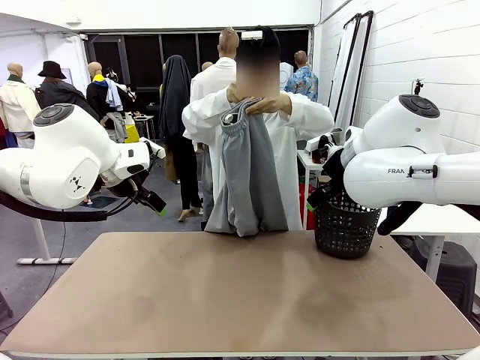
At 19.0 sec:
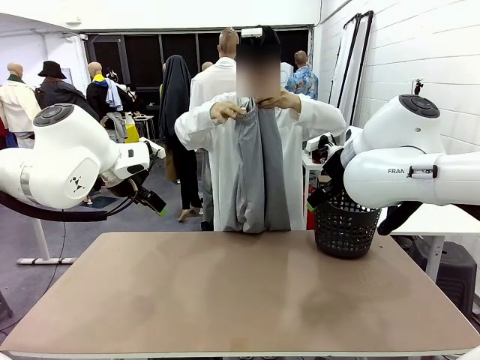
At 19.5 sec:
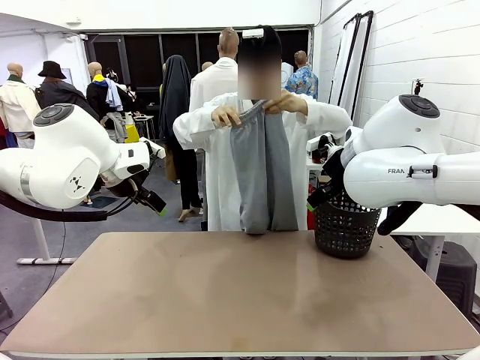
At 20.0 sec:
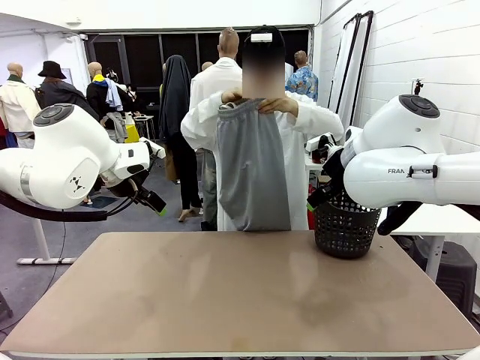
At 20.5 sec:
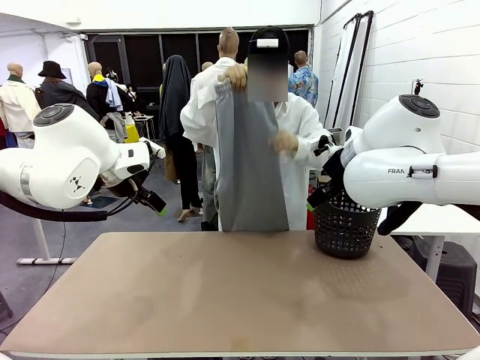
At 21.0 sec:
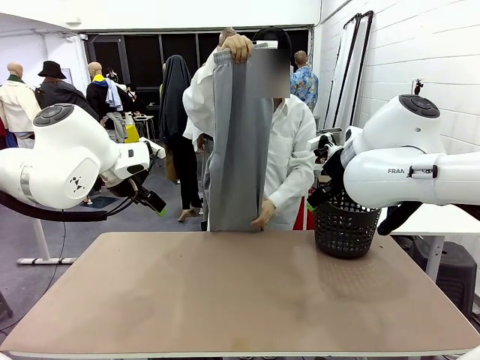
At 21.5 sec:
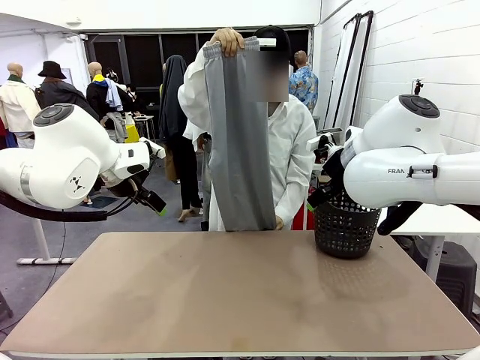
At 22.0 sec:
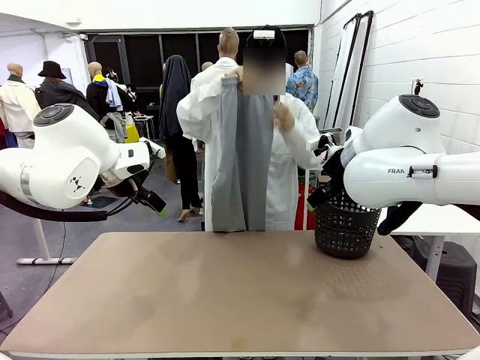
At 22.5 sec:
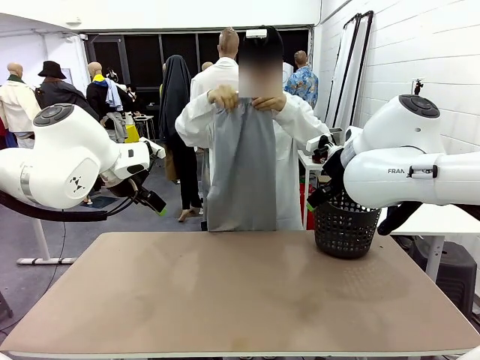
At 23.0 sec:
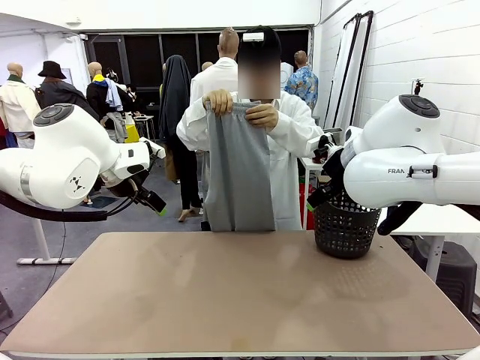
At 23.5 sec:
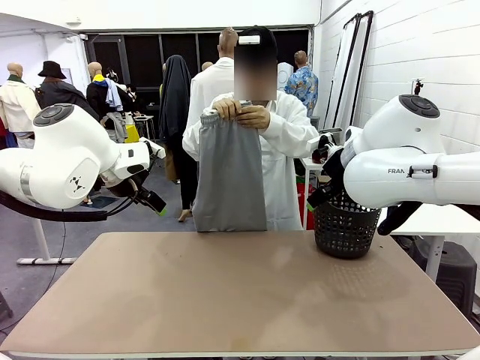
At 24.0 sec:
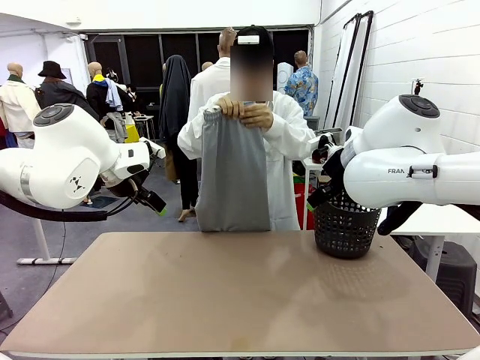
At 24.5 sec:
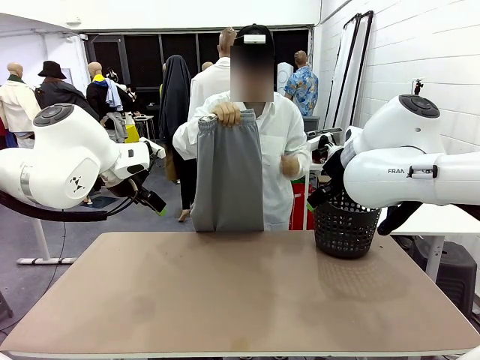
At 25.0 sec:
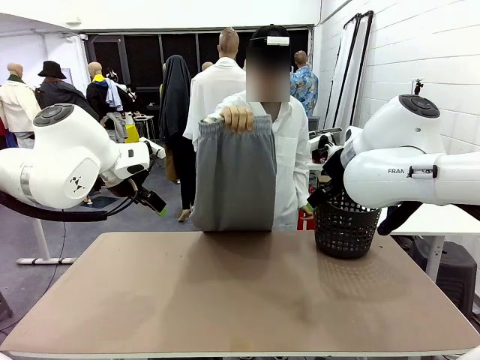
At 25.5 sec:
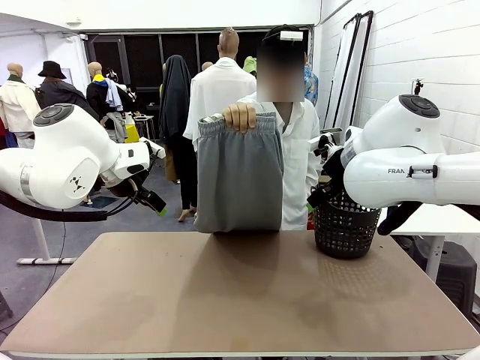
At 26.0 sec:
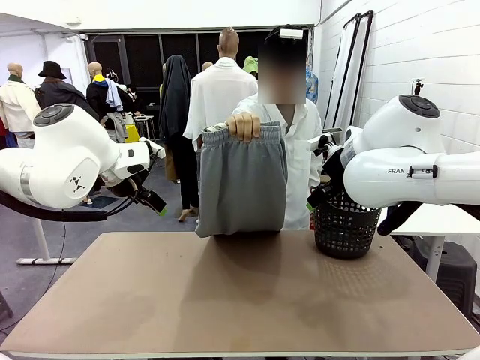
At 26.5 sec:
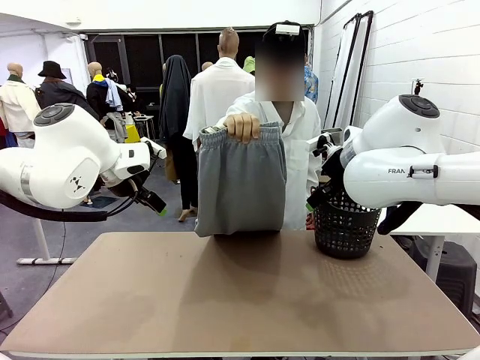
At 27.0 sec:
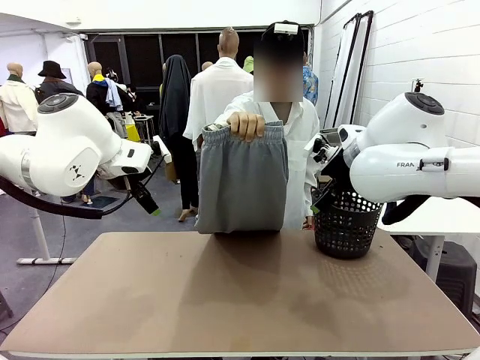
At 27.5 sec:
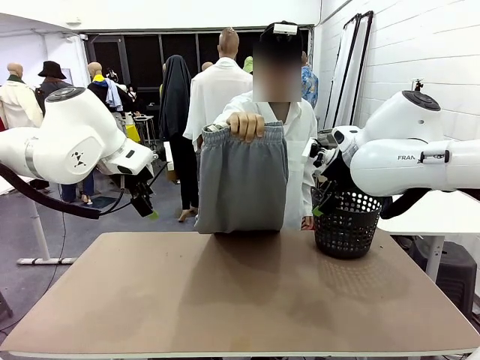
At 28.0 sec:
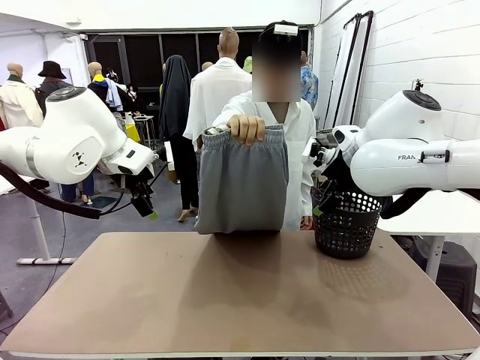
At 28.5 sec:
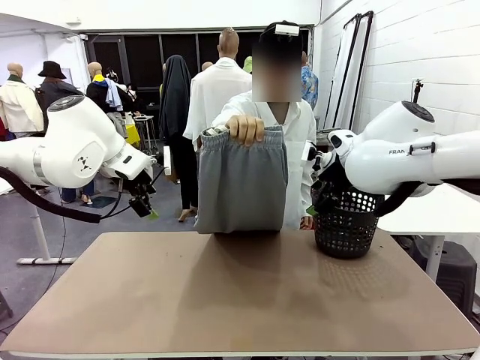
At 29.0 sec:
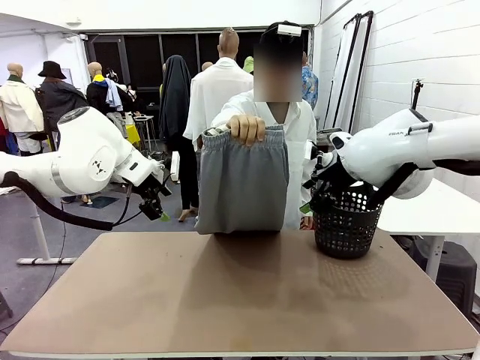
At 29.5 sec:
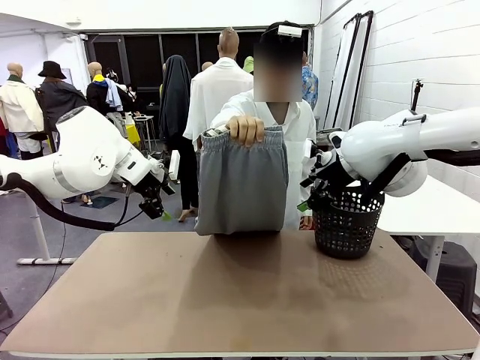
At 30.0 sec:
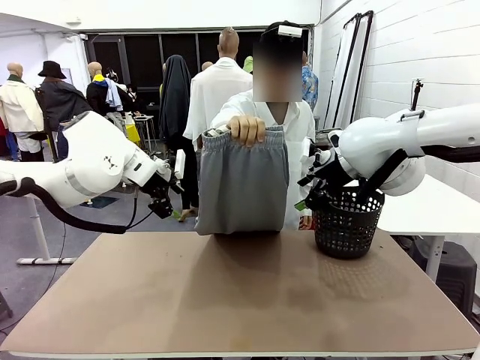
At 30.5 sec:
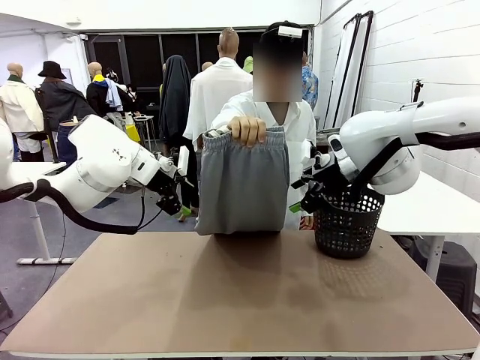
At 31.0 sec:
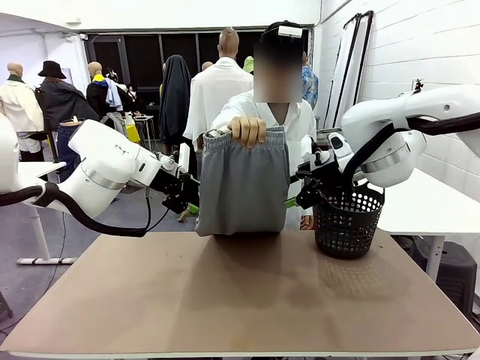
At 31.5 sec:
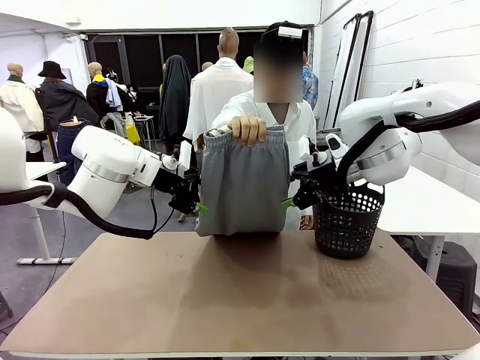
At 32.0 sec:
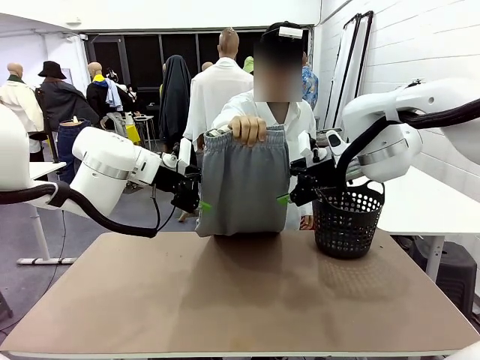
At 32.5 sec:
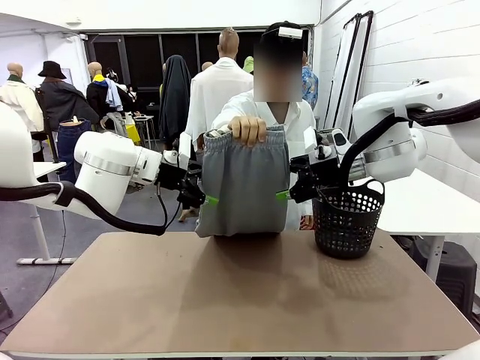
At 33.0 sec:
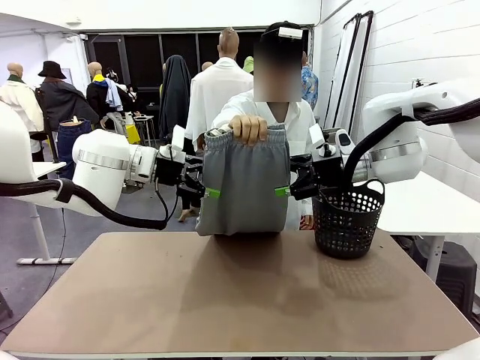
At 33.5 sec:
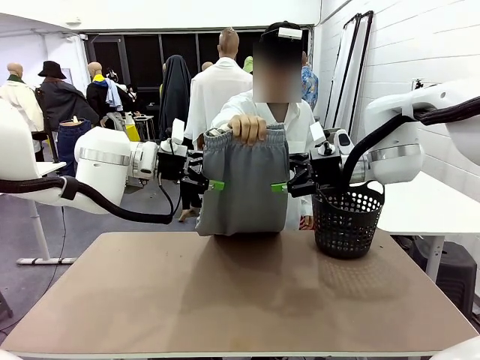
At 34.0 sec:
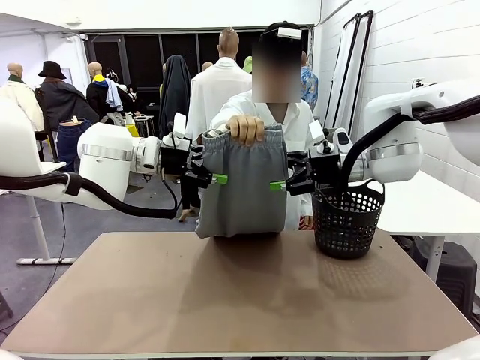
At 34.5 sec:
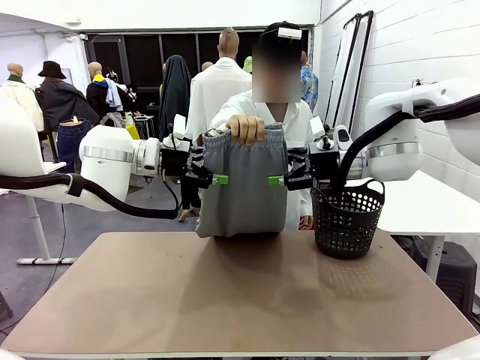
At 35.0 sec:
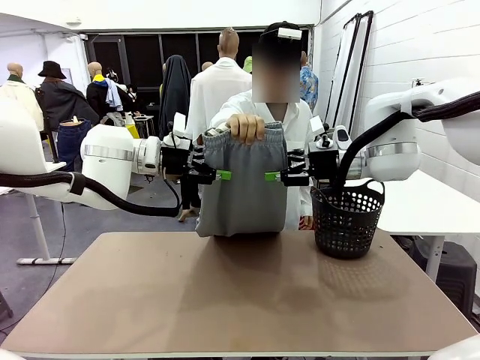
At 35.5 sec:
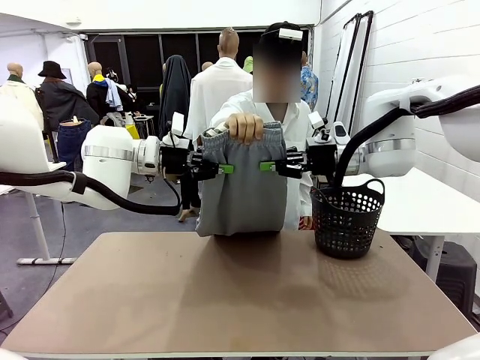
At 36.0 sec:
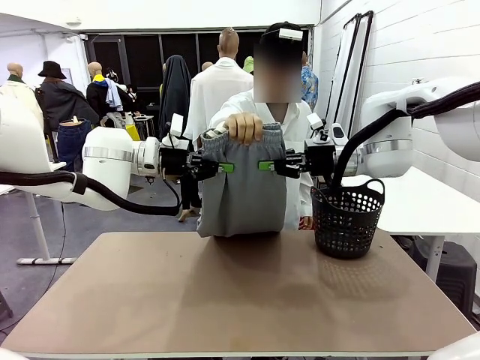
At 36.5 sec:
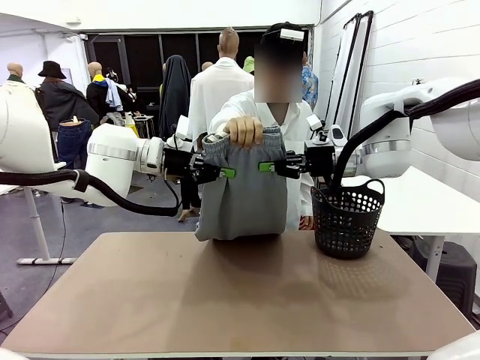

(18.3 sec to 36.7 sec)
Task: Fold the training pants.
Robot: Grab both ends of the Training pants handed by a person.
